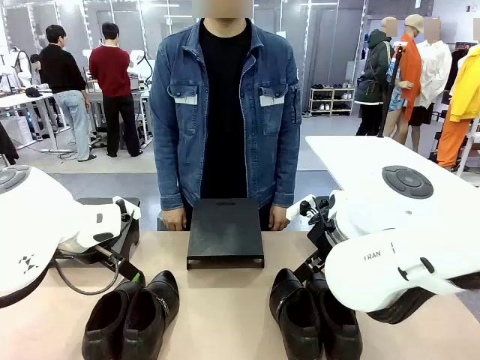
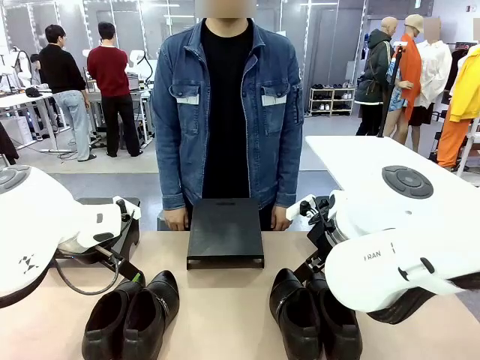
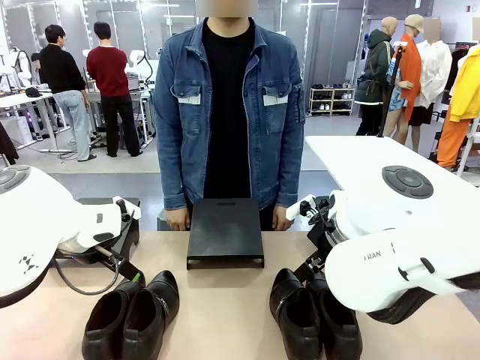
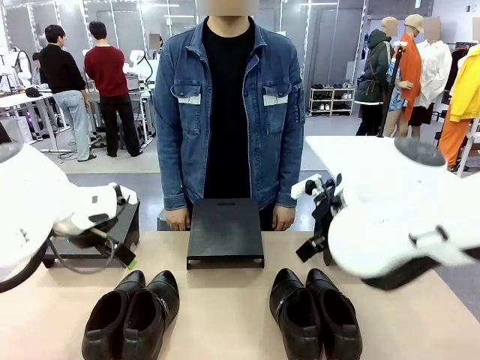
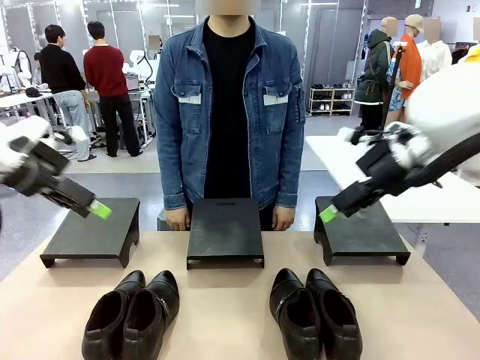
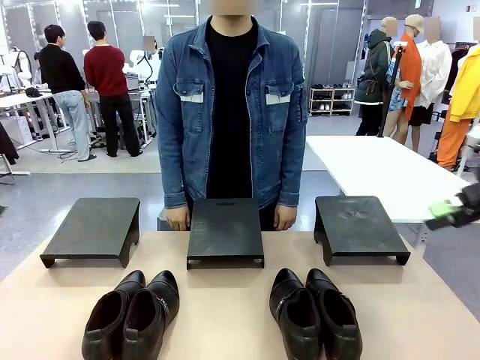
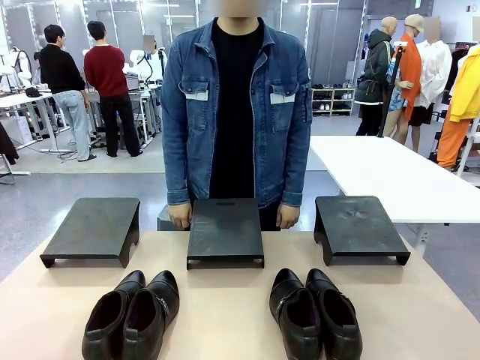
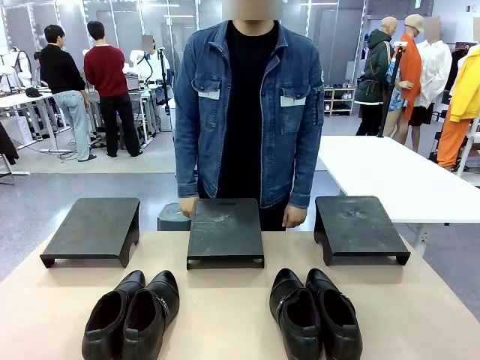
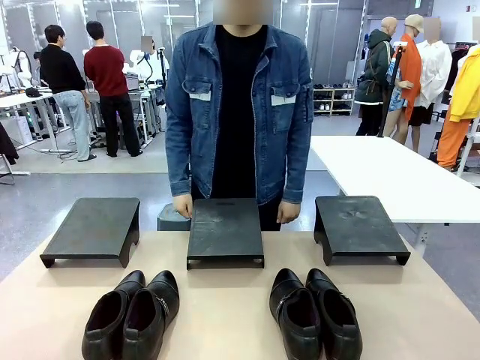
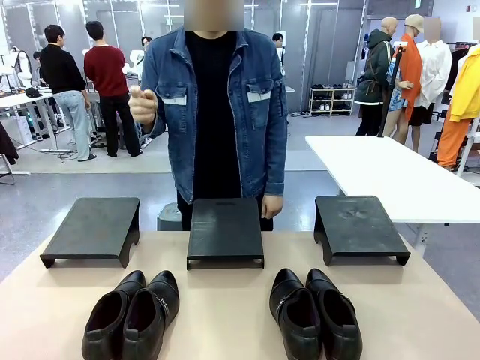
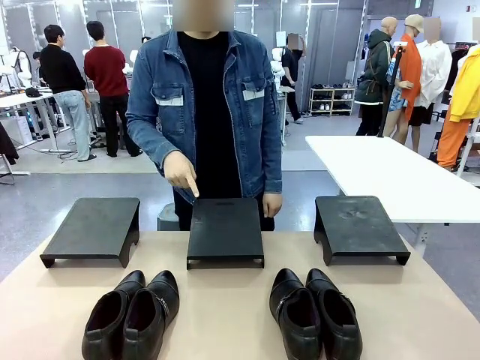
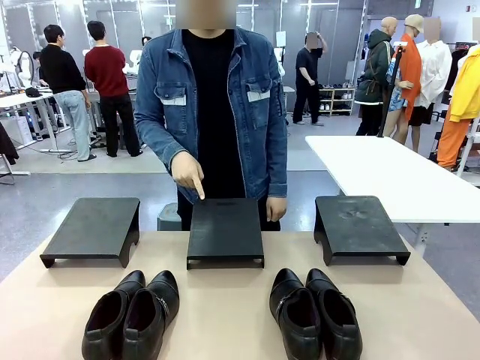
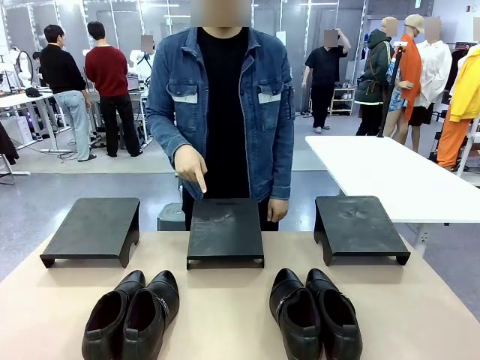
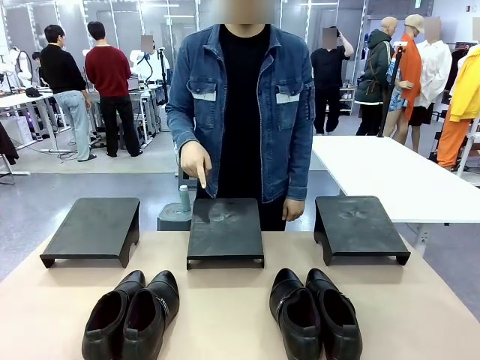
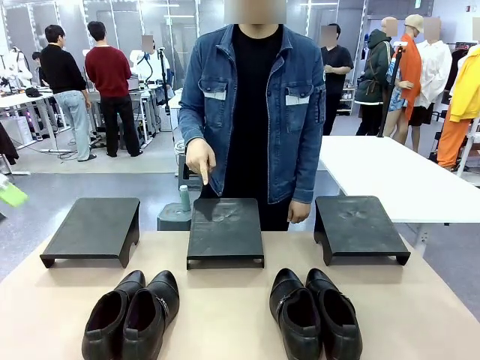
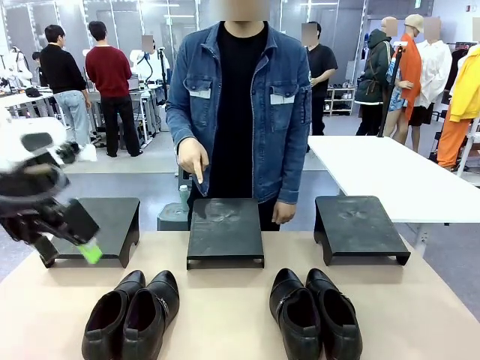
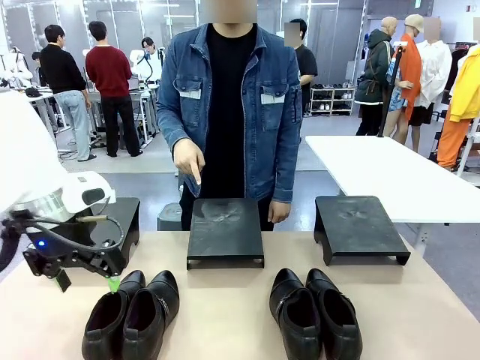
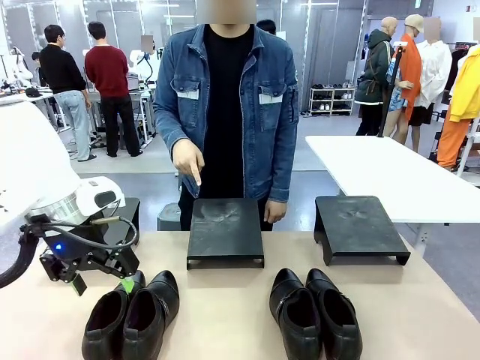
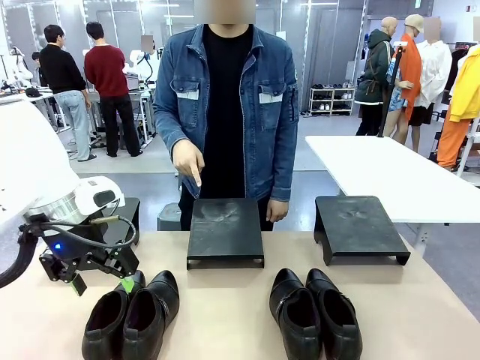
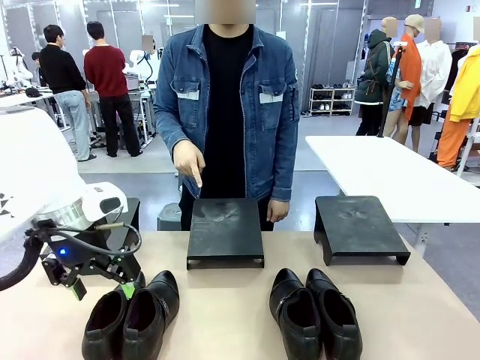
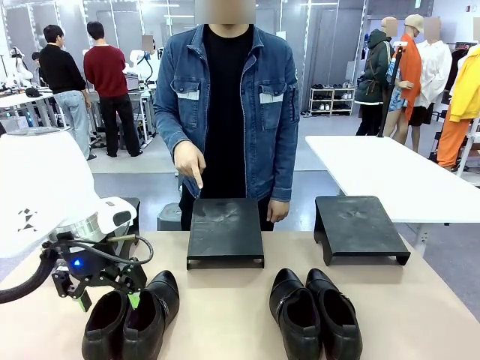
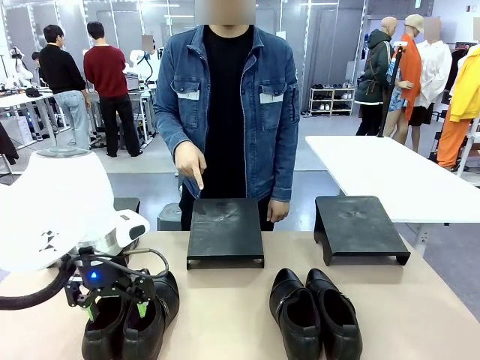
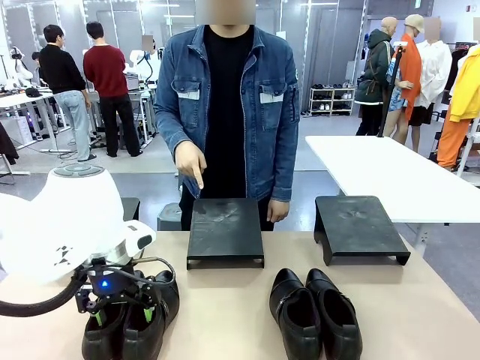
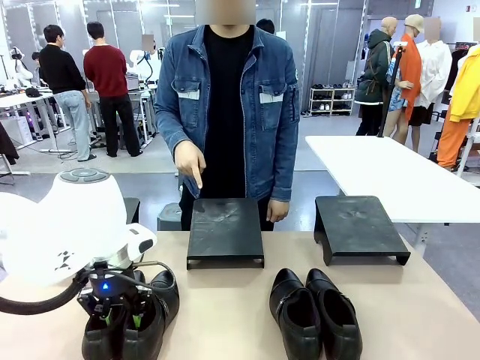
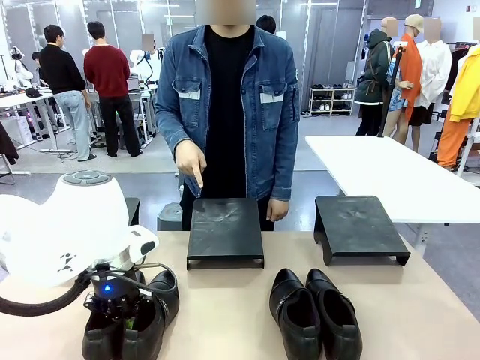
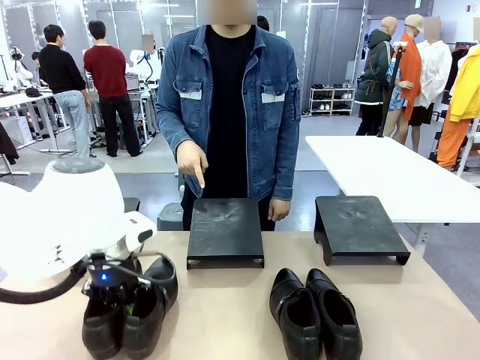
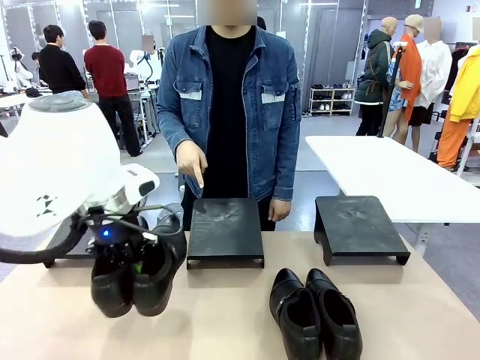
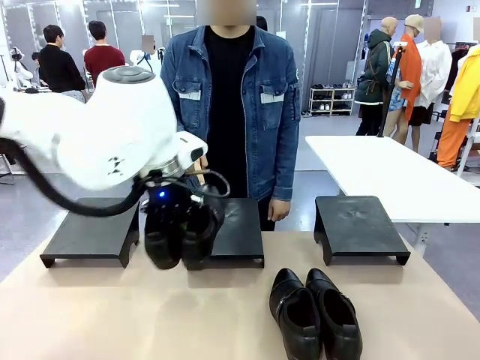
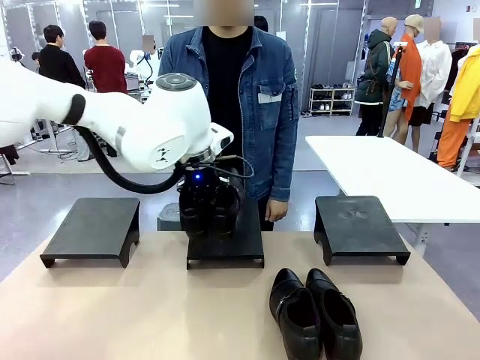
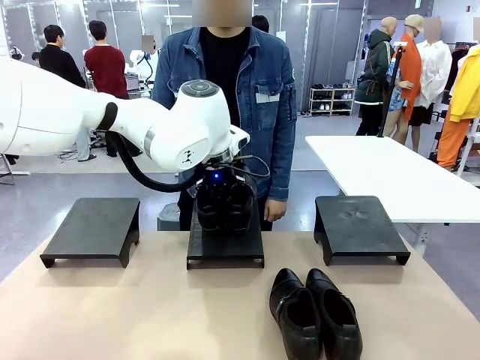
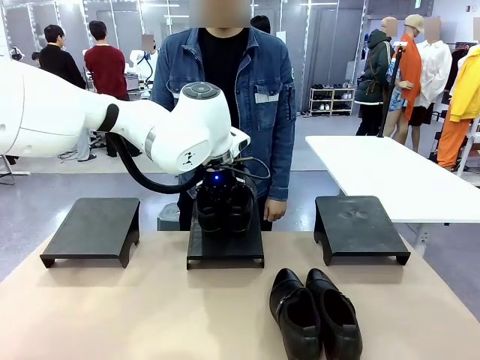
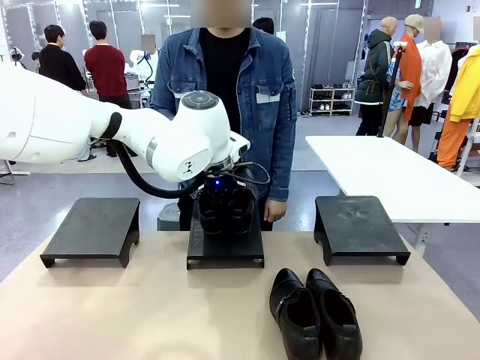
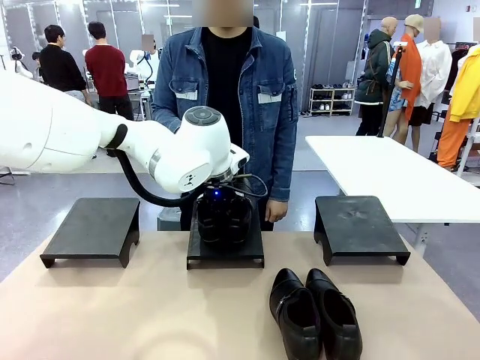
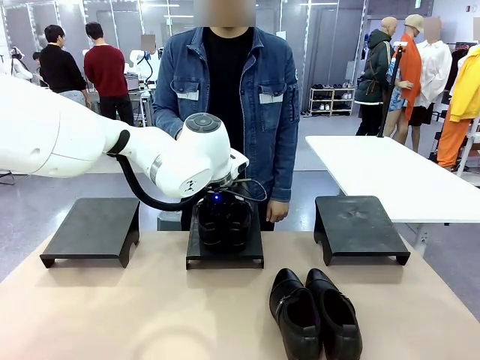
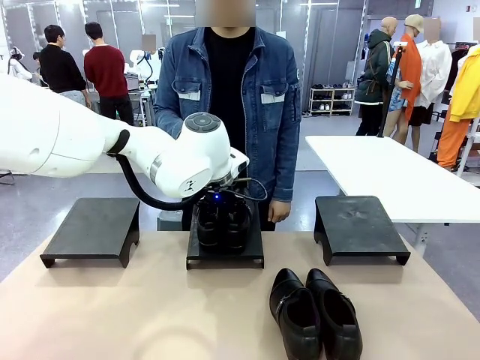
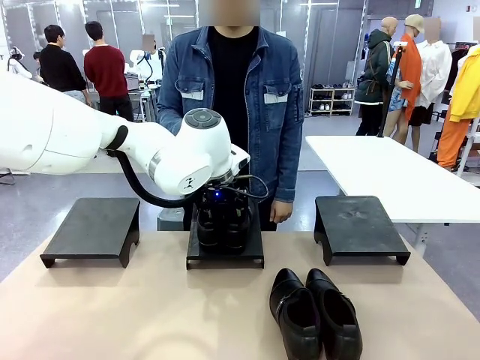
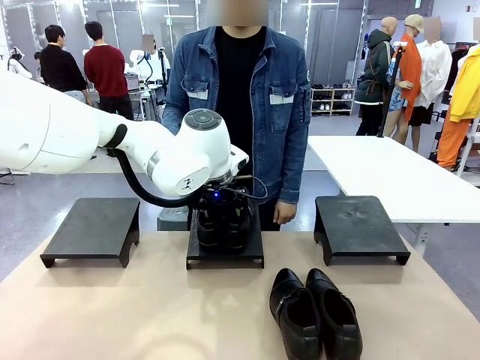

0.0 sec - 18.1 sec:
Task: Place the shoes on the stand as instructed by the person.
Robot: Pick up one pair of Shoes and place it on the Shoes Stand indicated by the person.
